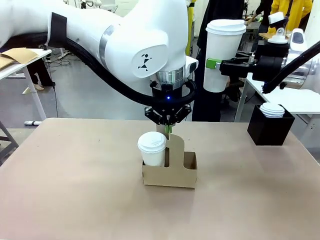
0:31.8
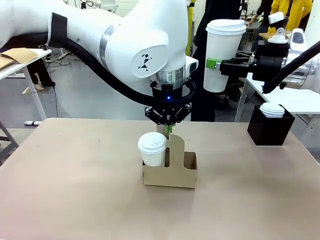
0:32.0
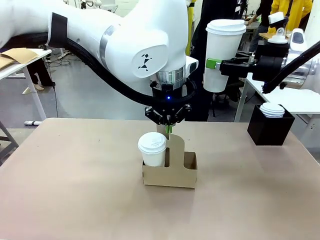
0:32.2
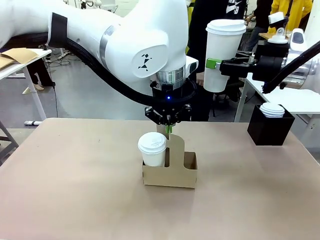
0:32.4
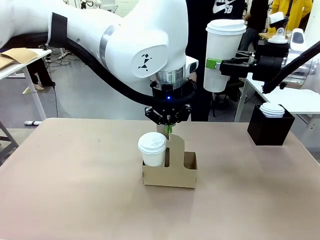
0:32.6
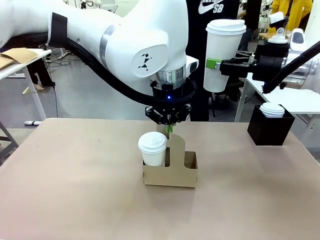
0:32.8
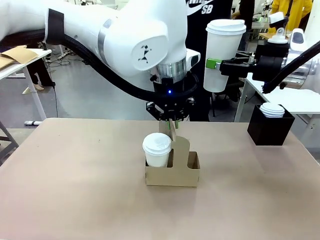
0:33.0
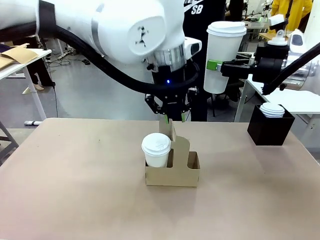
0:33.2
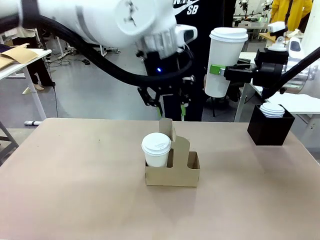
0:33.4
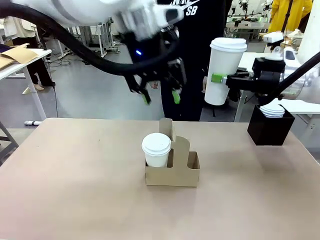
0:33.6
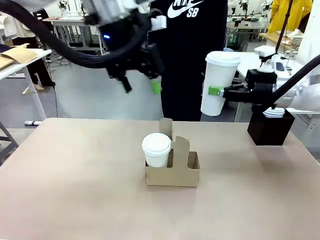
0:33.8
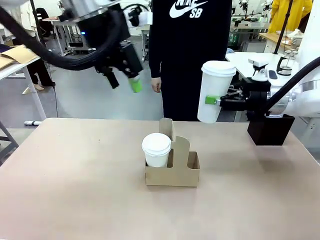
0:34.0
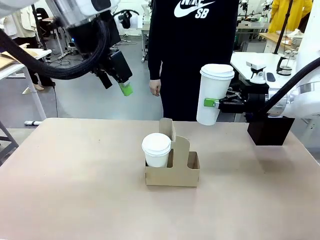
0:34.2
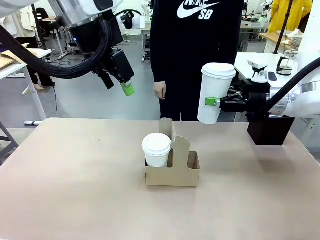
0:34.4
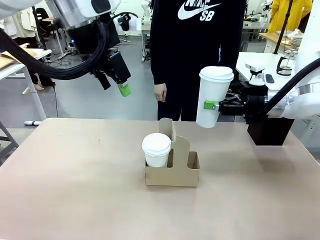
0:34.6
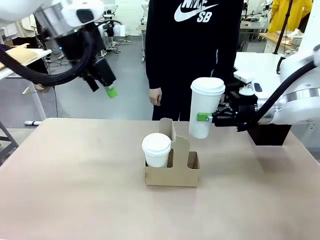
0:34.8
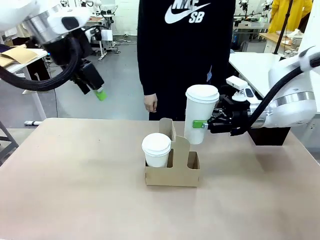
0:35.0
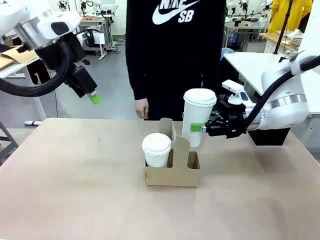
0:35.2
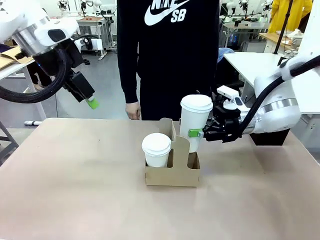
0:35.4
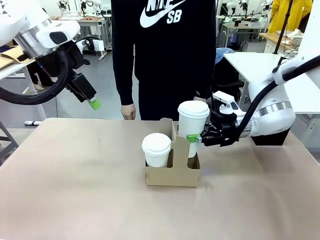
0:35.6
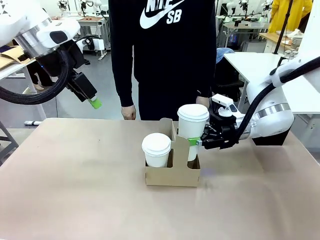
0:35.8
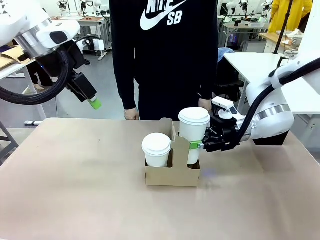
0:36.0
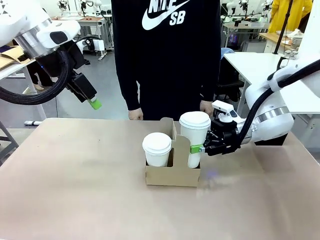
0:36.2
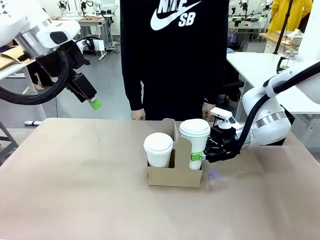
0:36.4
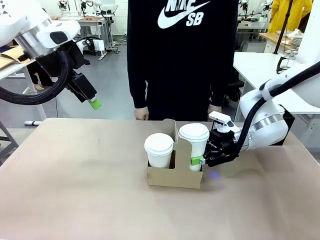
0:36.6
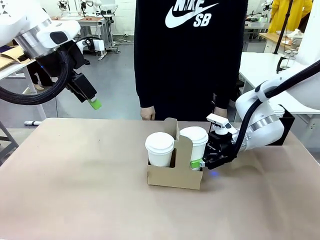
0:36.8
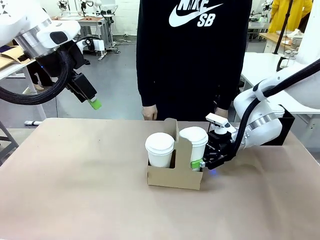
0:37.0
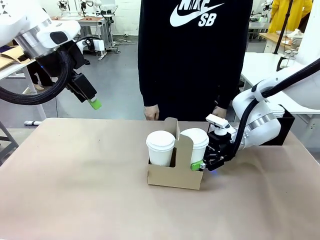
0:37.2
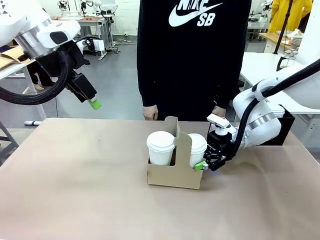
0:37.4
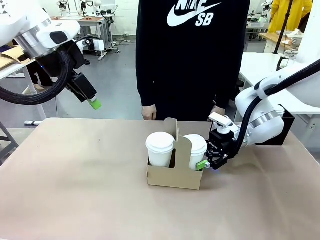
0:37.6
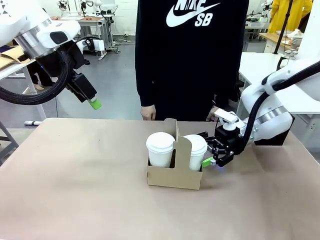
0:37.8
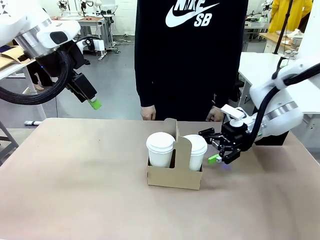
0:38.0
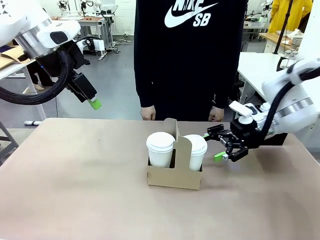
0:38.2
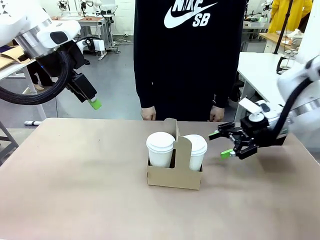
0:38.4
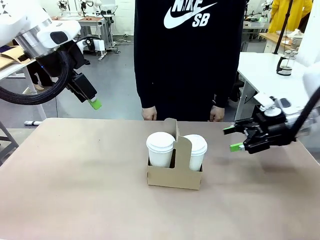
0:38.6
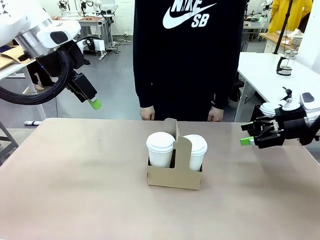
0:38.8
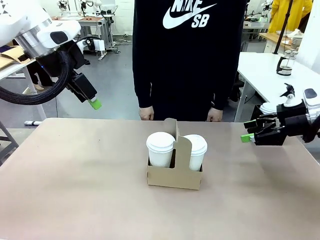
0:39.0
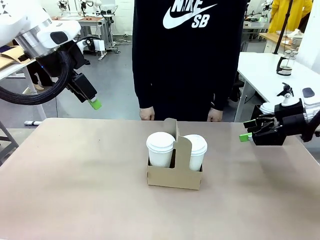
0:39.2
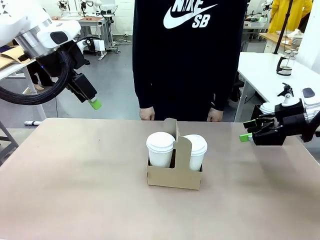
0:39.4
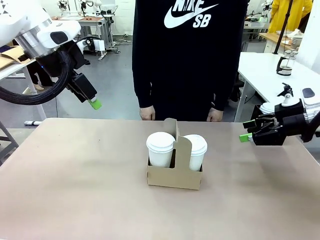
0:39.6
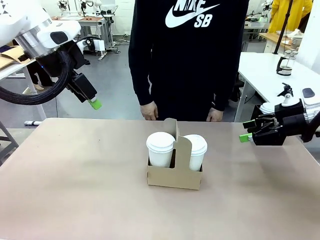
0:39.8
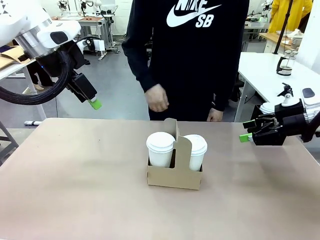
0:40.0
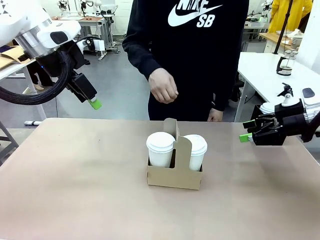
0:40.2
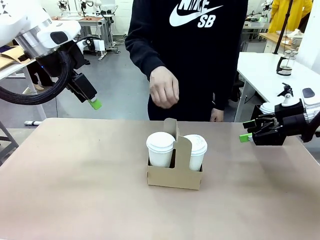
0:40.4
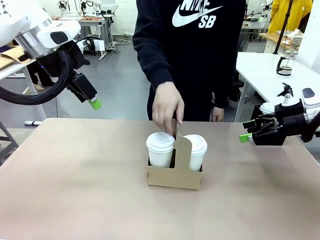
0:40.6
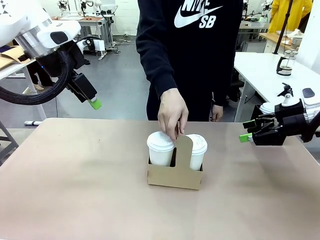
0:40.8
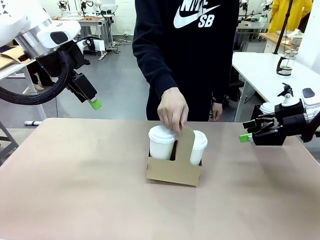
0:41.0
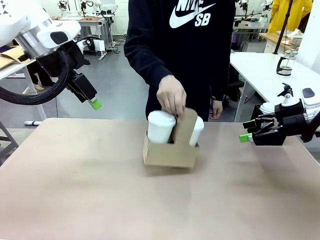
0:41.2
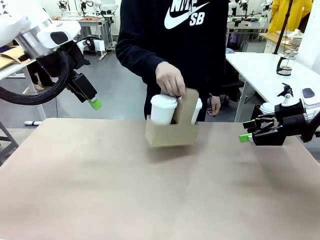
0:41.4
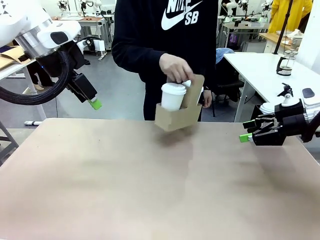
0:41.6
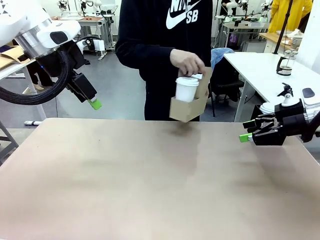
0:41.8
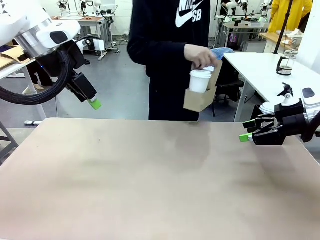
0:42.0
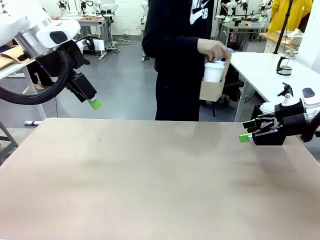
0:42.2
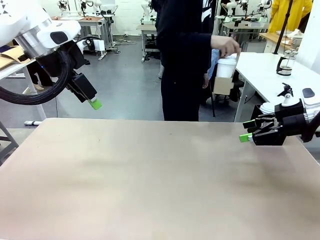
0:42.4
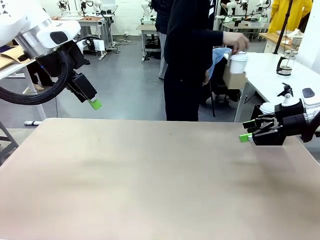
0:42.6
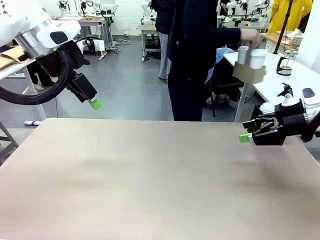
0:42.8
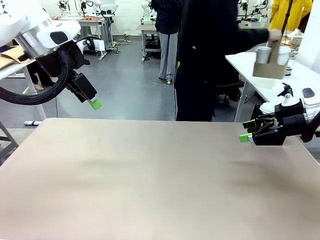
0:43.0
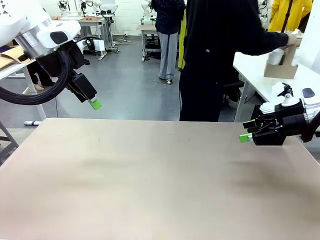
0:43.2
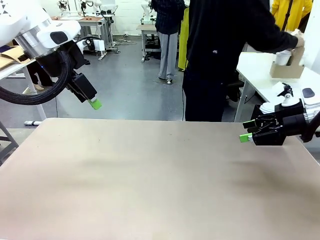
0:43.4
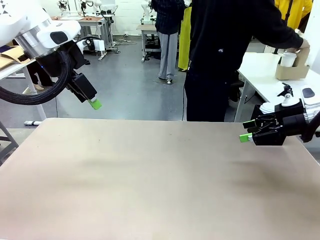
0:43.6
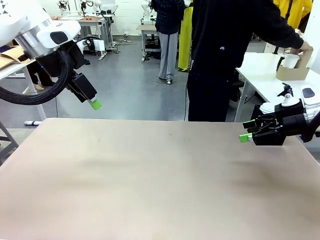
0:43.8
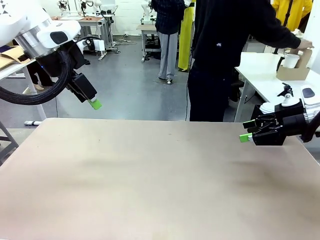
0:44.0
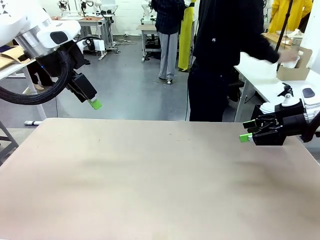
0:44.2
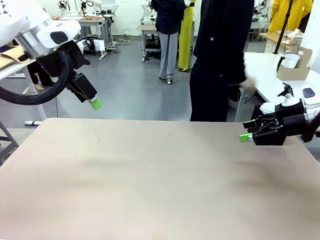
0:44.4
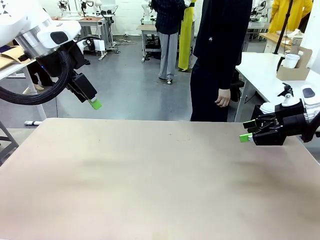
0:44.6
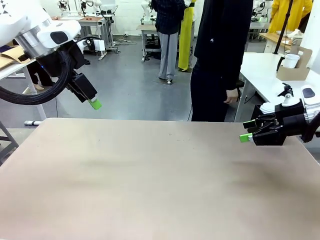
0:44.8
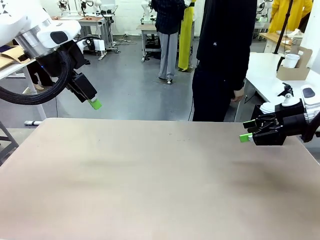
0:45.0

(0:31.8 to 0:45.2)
Task: Pour a drink into a cup and package it in a carrier.
Robot: Insert the held 600 ml Paper Cup into the Cup Carrier.
Person: Place the Cup Carrier to the middle of Human table.

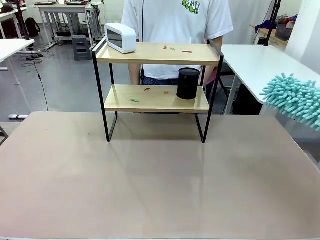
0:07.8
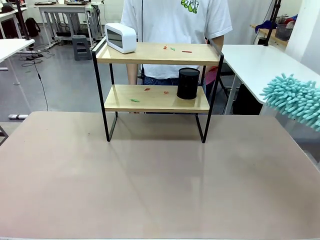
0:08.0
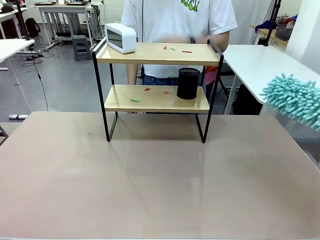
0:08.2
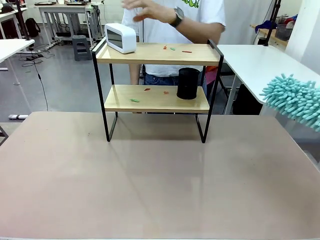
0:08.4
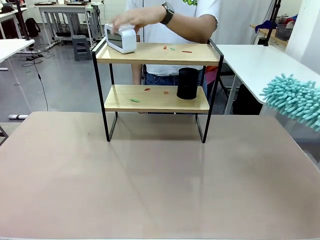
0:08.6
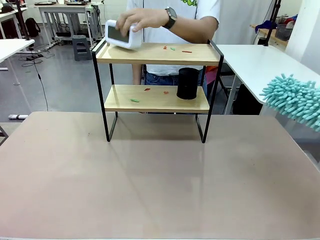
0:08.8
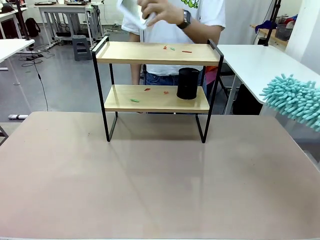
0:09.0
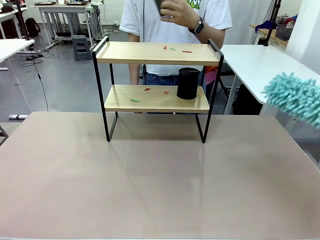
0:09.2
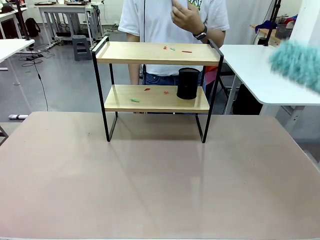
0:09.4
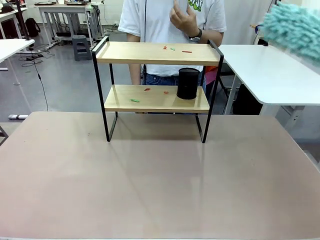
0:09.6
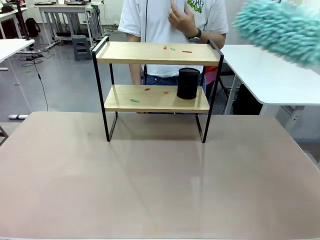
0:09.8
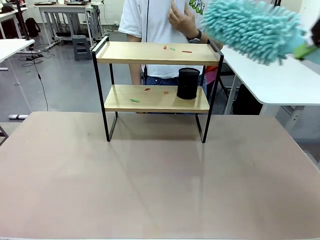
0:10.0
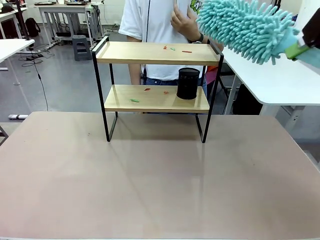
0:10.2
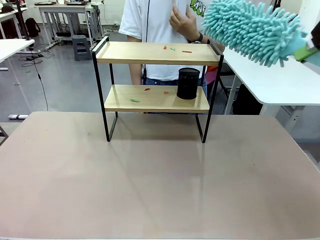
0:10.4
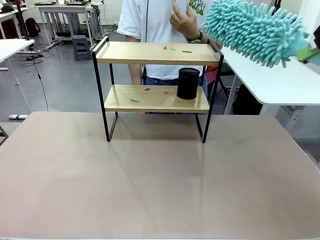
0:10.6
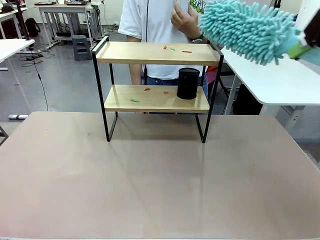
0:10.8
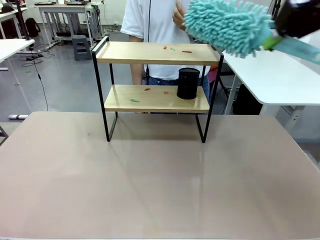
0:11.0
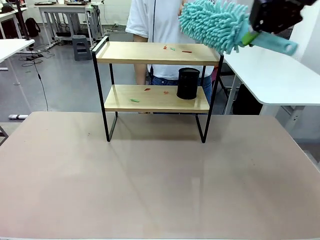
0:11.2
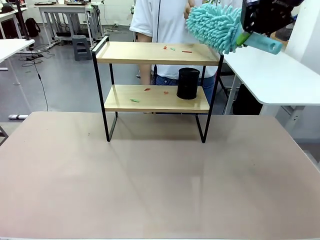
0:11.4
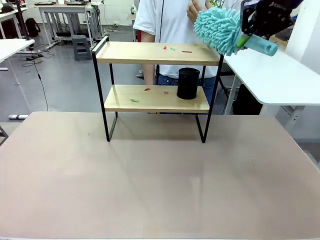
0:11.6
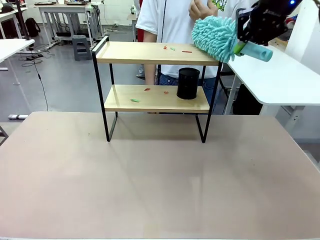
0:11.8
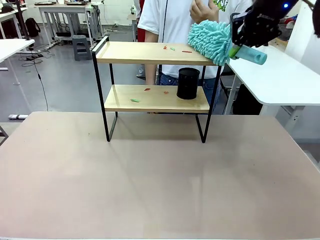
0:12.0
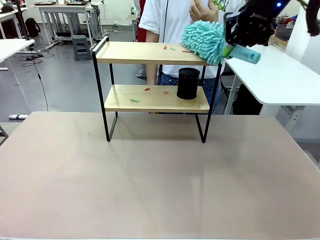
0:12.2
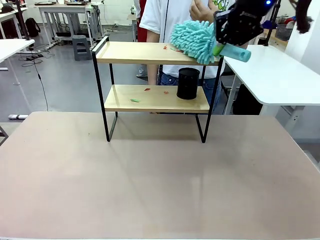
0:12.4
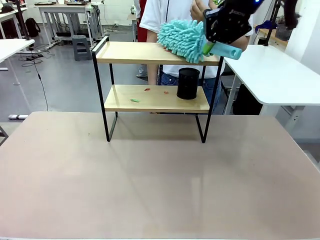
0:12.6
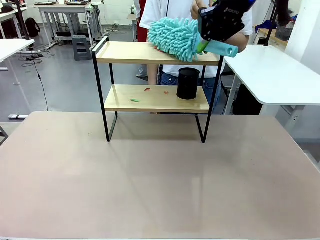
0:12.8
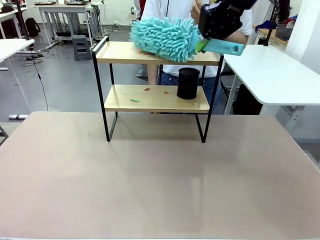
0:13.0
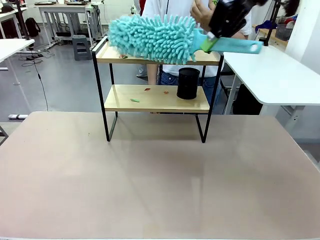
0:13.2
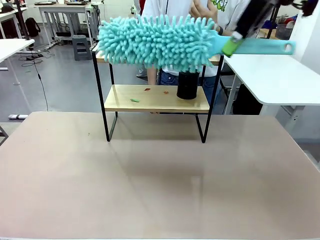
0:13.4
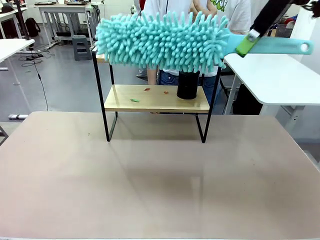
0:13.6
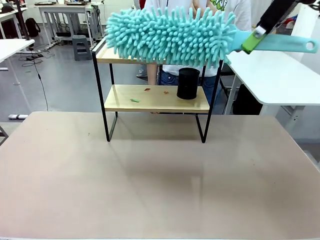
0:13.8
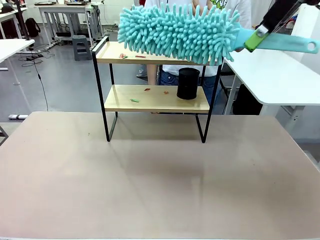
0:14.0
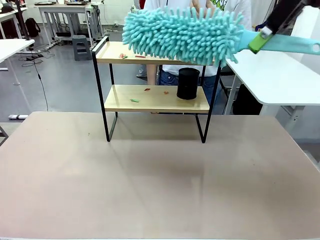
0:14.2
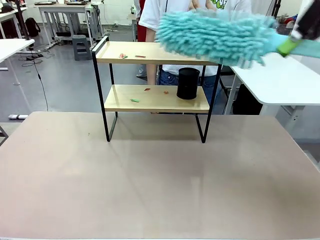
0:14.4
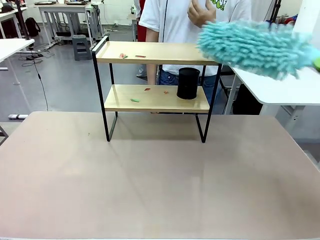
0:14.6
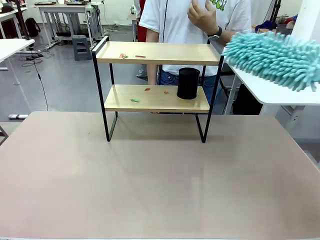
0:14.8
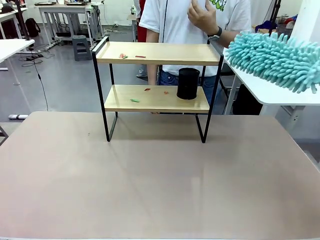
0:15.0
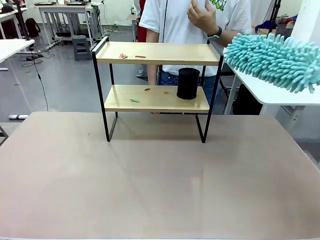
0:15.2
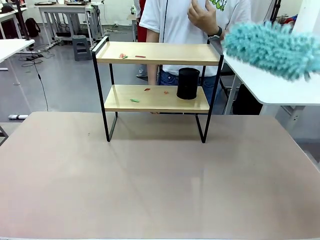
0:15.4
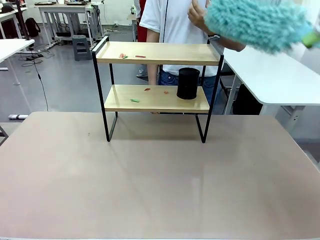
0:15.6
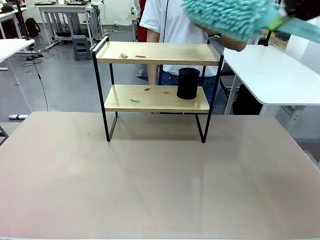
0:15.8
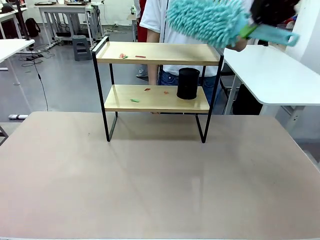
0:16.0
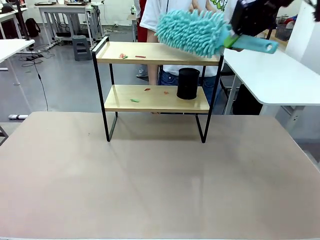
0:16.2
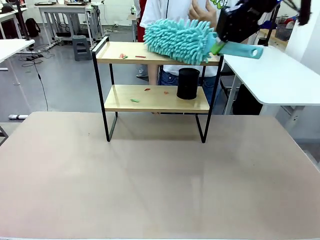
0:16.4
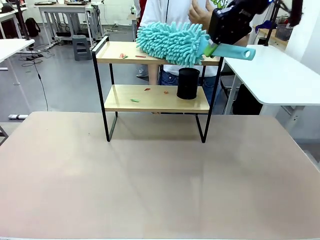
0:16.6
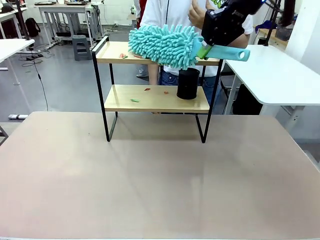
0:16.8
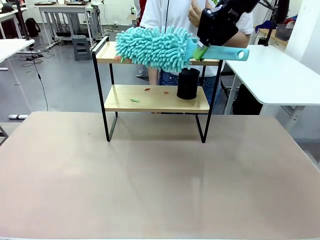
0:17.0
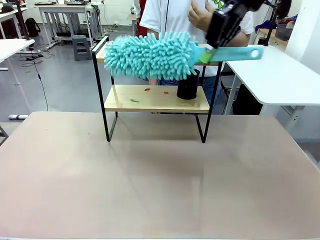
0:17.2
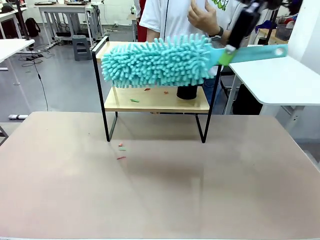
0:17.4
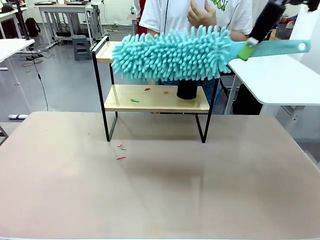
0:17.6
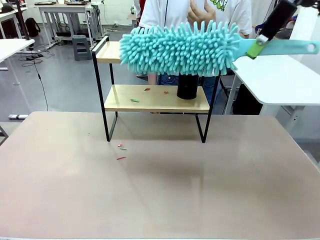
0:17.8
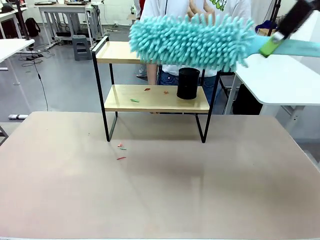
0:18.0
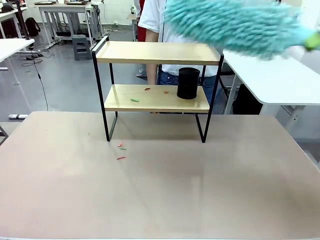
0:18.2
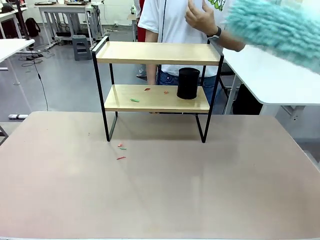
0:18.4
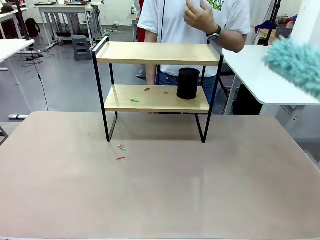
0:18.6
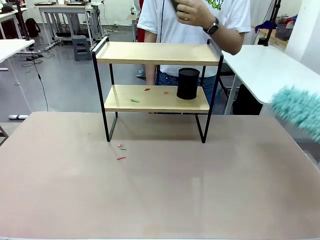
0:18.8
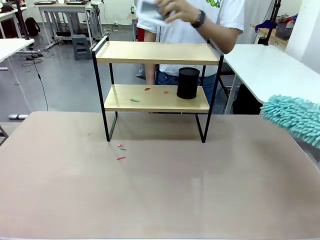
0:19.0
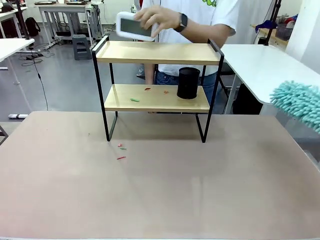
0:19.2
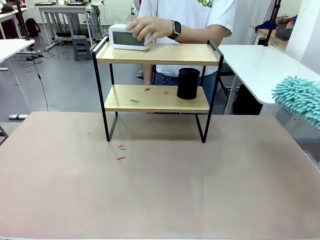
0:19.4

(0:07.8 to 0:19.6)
Task: Clean the shelf.
Robot: Clean the specific tier of the Shelf with the Duster once objects are removed.
Person: Lift the objects on a randomly selected tier of the Shelf. Once the robot finishes cleaning, lift the objects on the remaining tiers of the Shelf.
